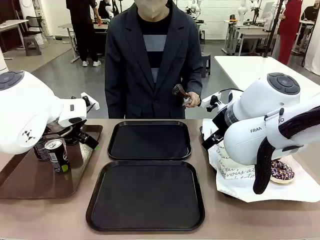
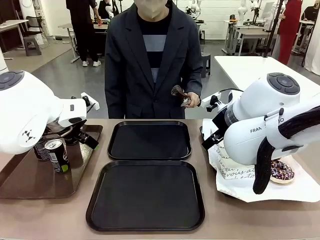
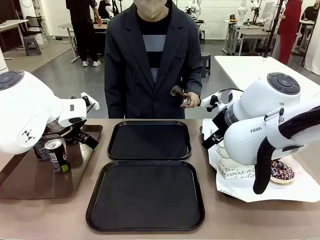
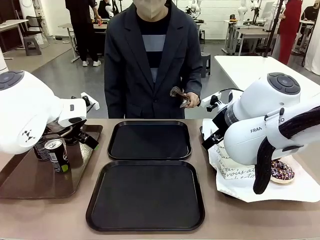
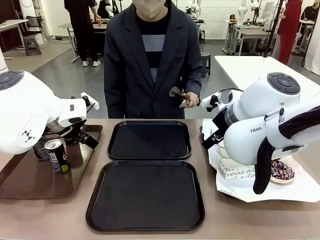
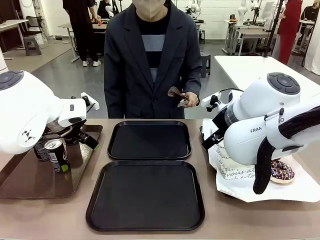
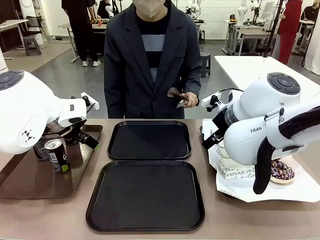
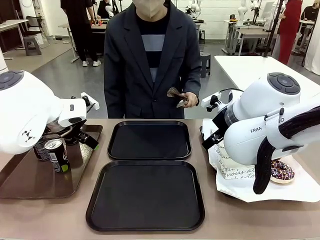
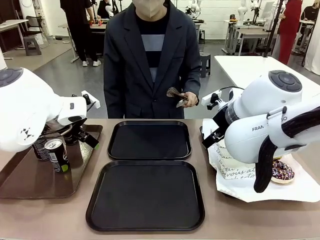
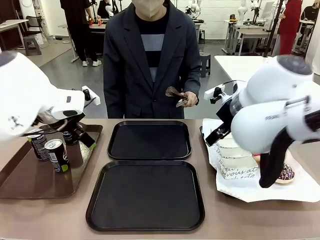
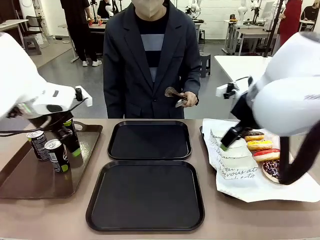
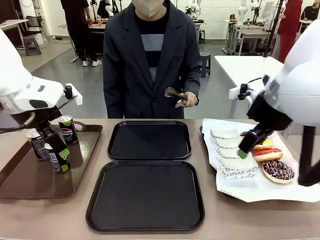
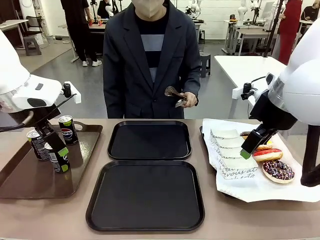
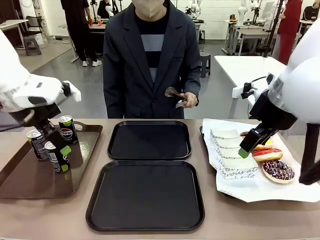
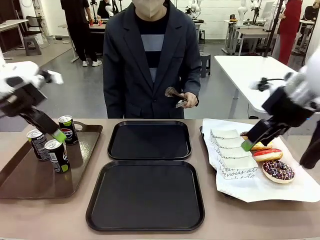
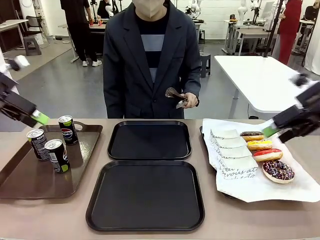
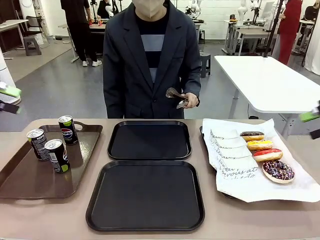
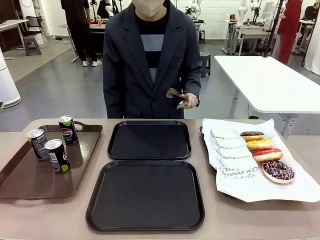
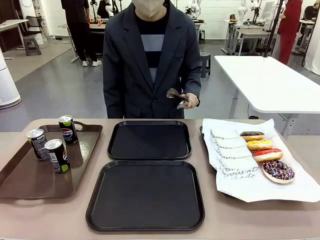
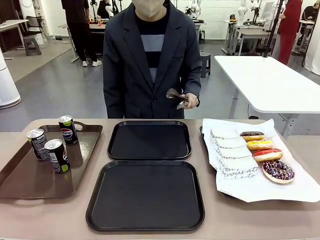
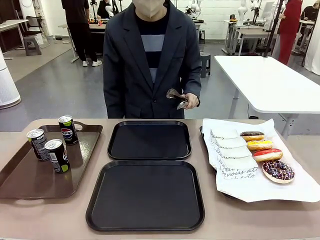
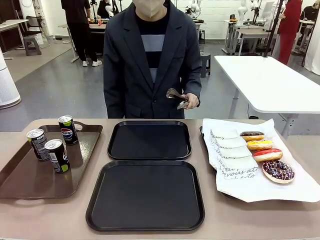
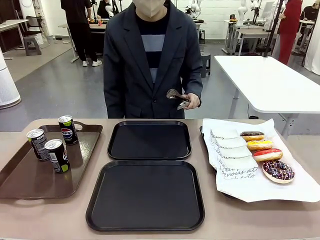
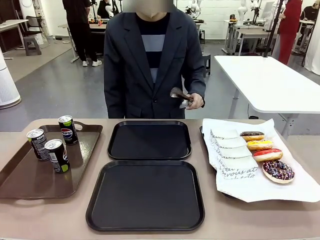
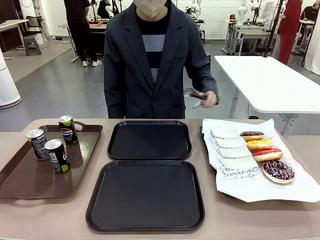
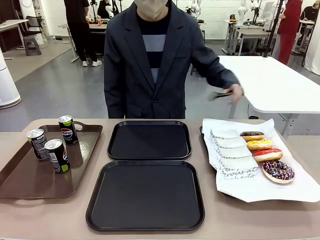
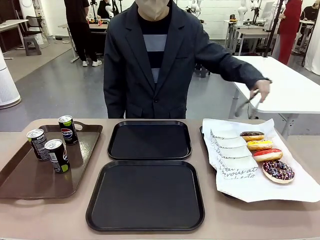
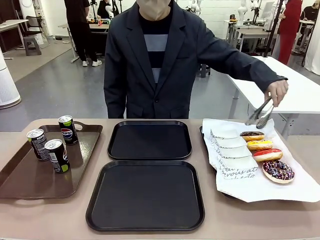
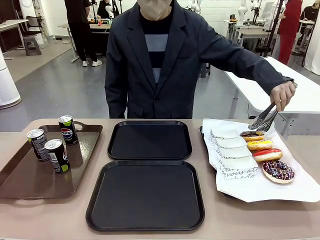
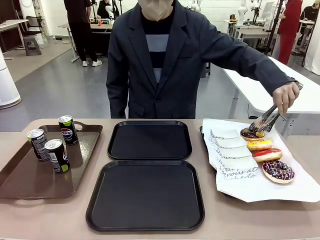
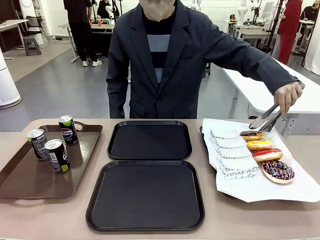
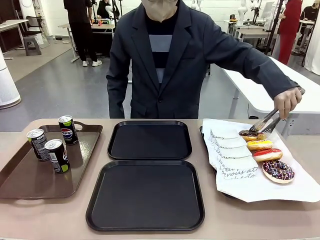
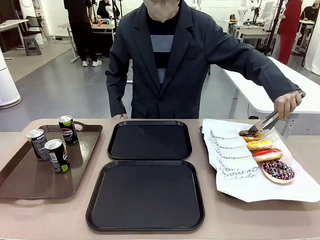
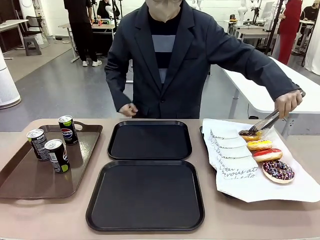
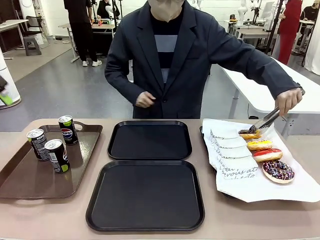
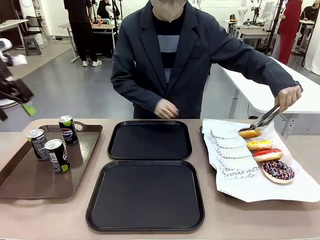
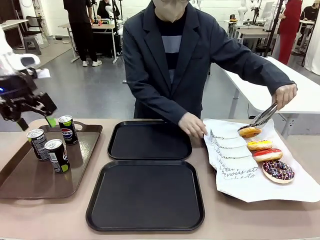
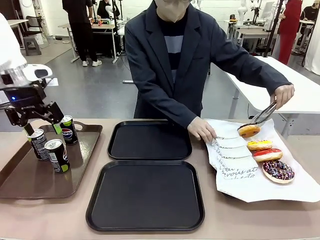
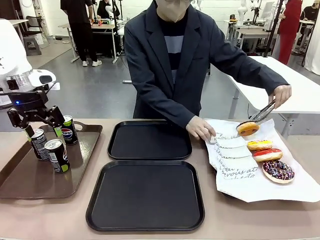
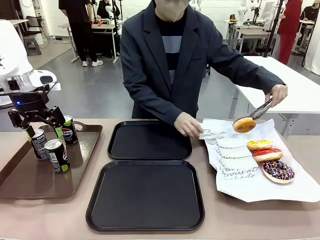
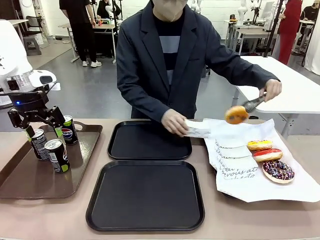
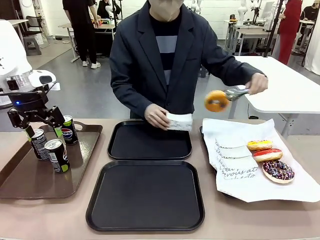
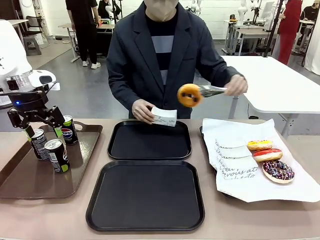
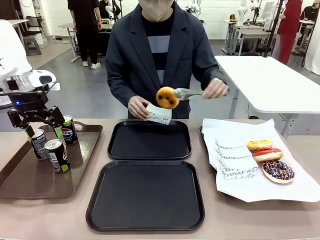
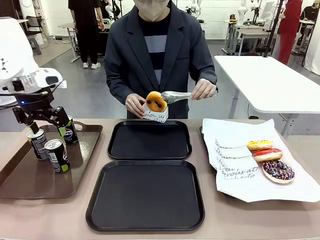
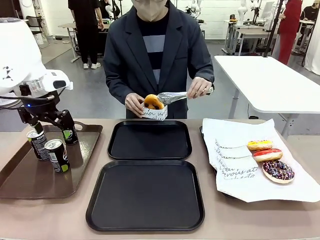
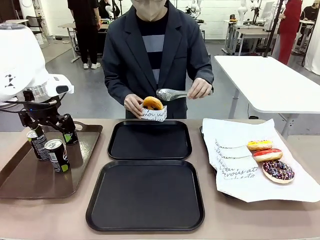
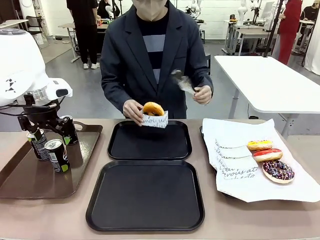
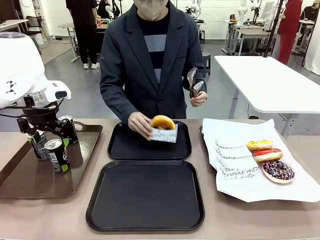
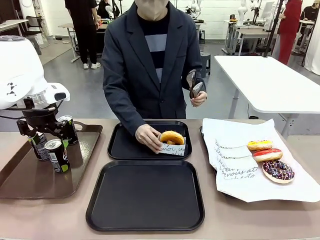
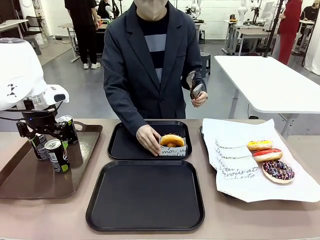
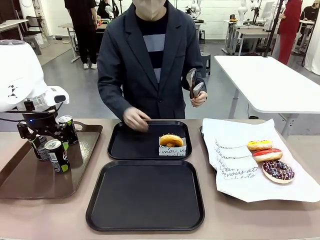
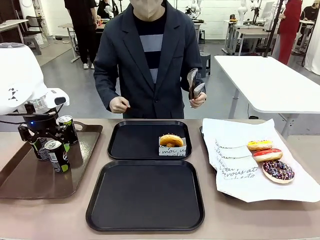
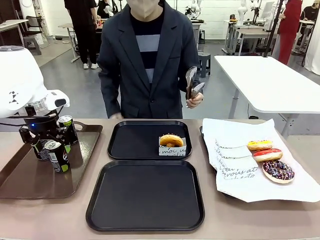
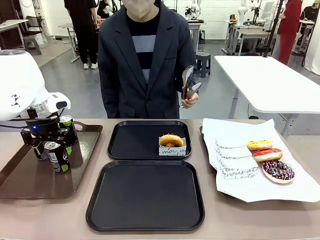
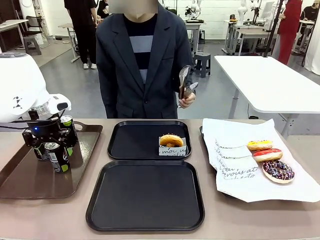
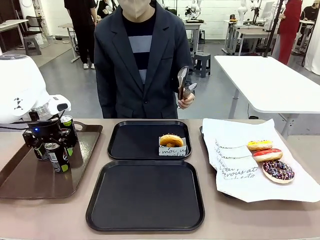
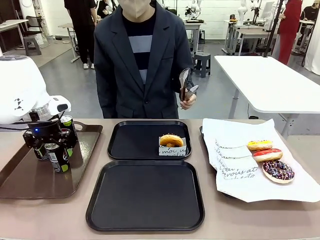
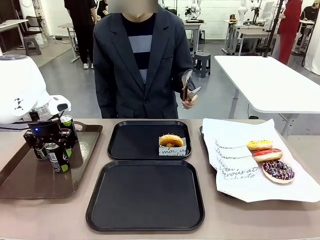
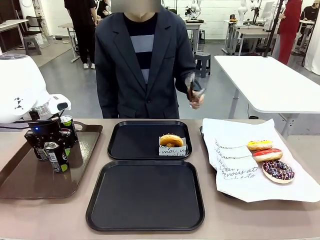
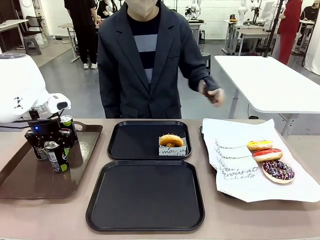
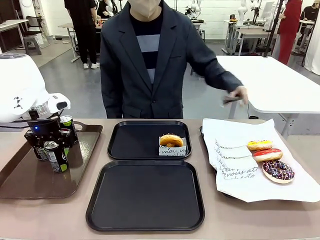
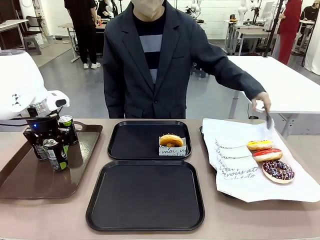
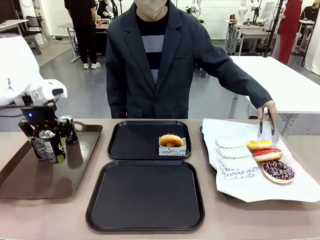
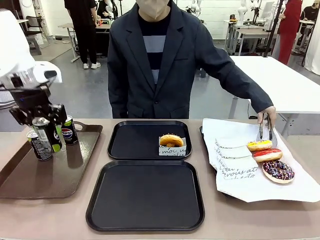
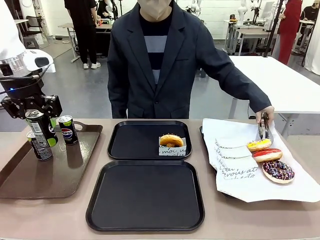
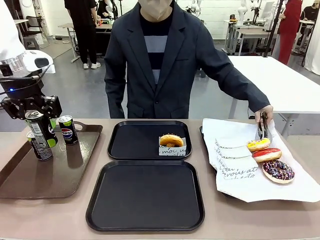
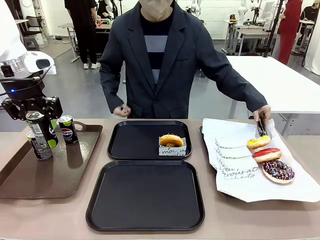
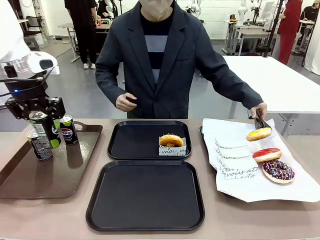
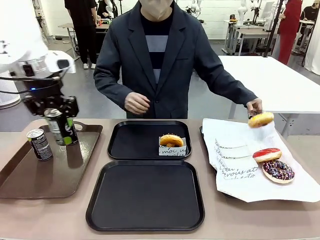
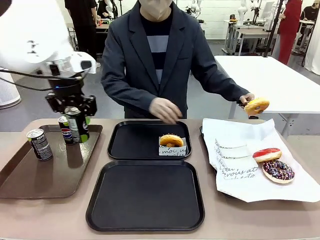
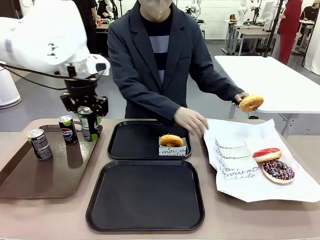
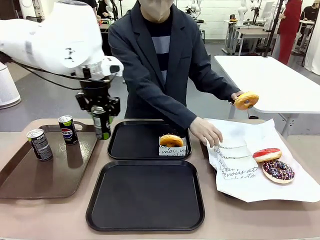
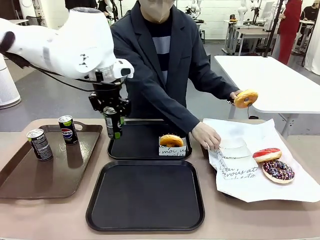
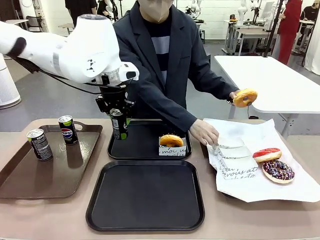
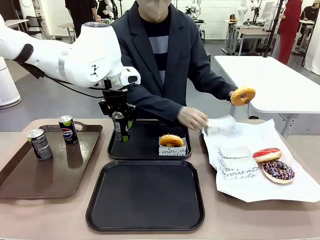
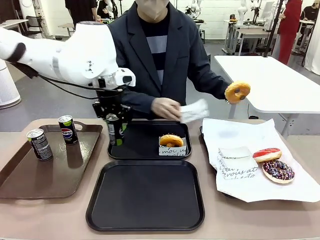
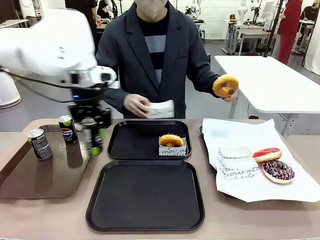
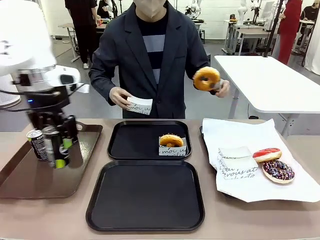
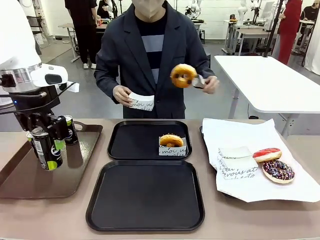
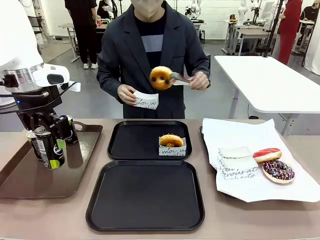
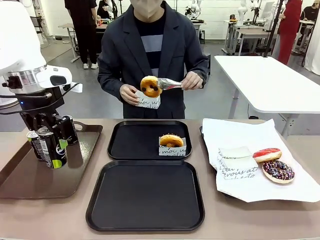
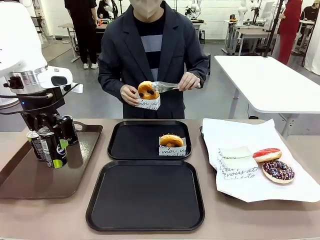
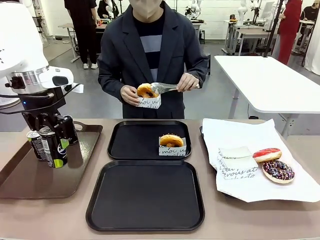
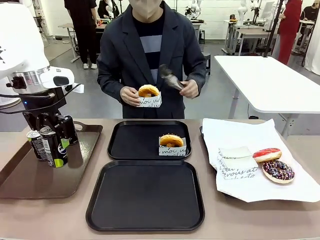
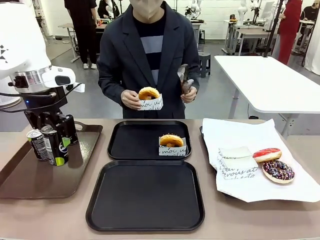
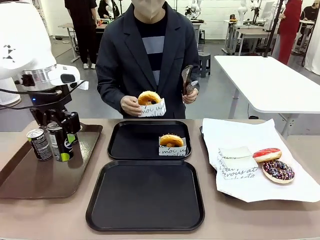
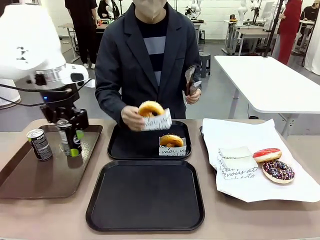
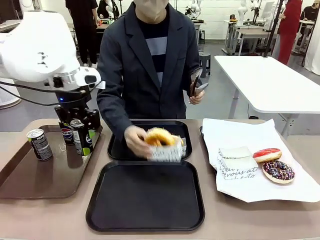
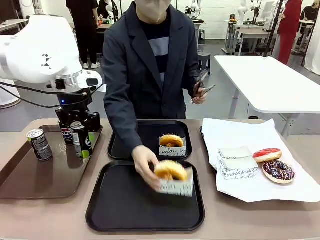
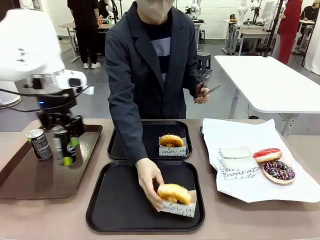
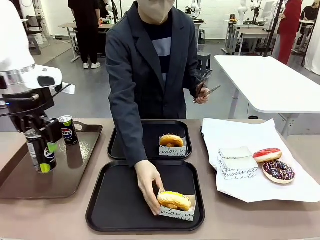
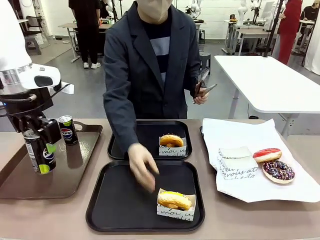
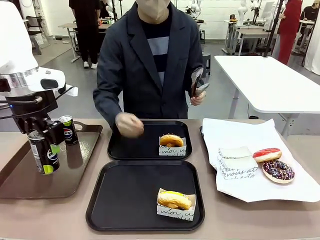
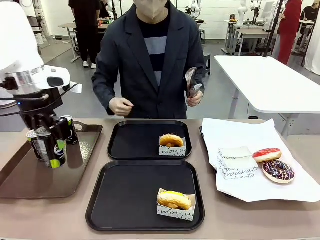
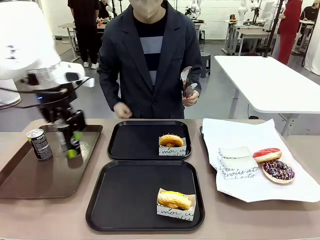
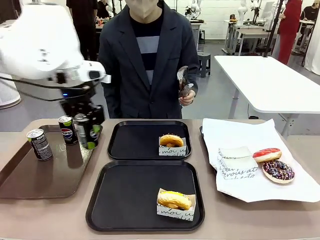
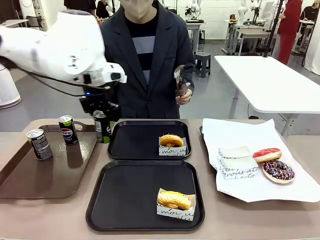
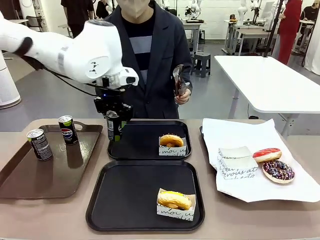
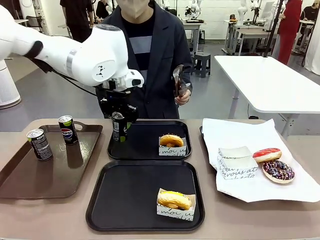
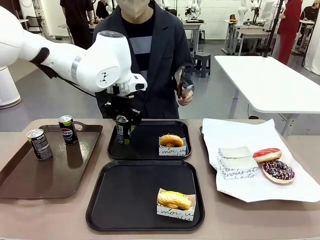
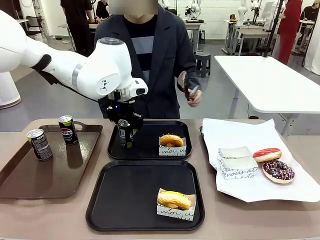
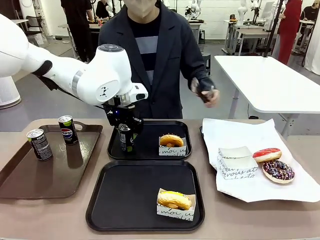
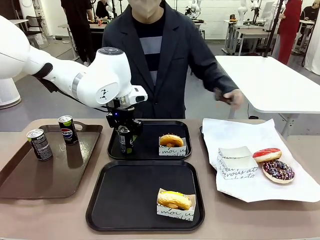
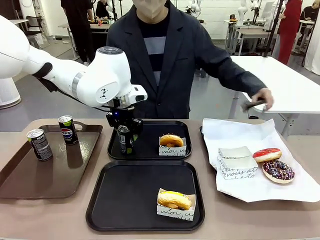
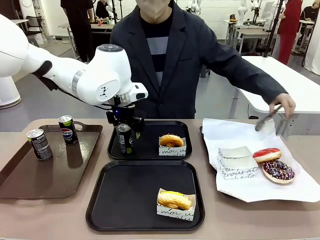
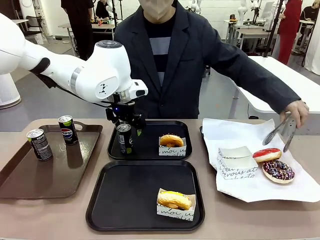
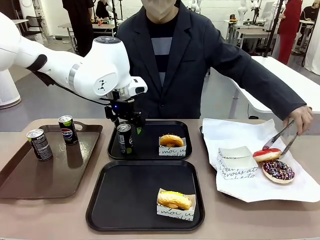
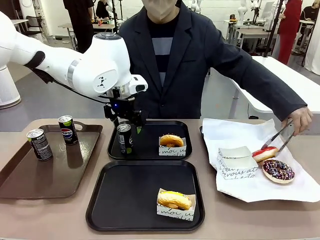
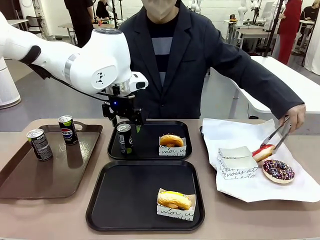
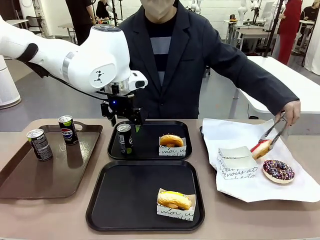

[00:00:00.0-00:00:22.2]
Task: Set up donuts and drinks on trays.
Robot: Pick up one Pepsi coke and place it on the Flat Tray.
Person: Pick up one donut with tongs, place it in the donut tray, and then place the donut tray on the flat tray.
